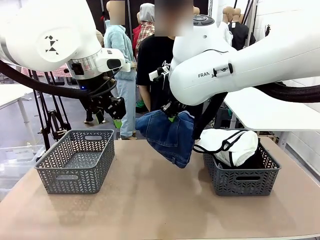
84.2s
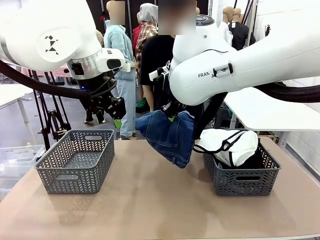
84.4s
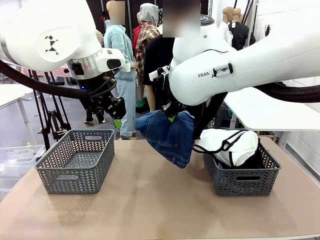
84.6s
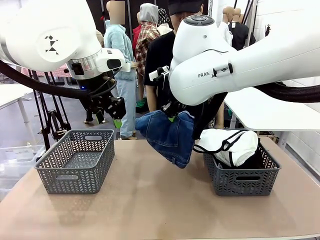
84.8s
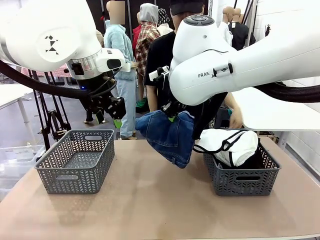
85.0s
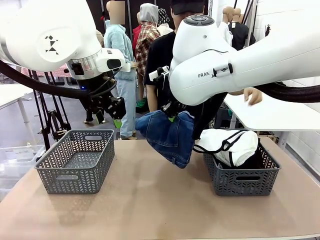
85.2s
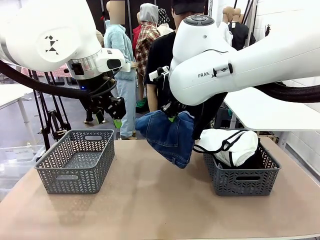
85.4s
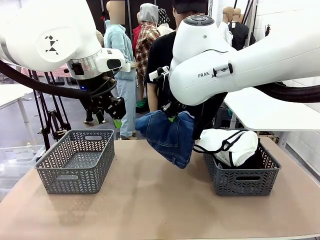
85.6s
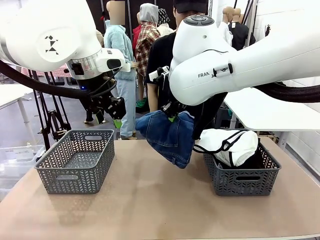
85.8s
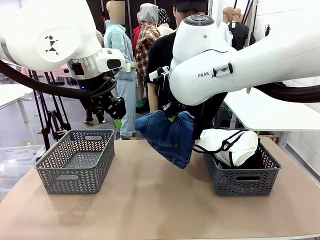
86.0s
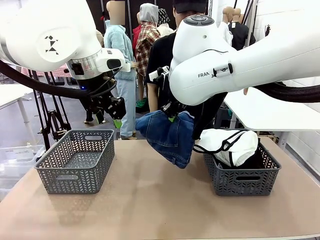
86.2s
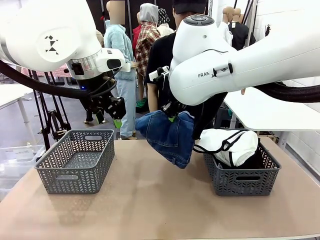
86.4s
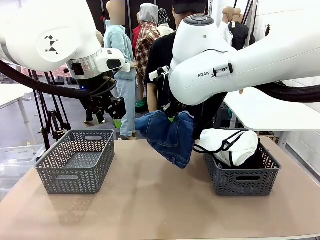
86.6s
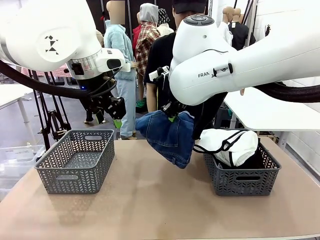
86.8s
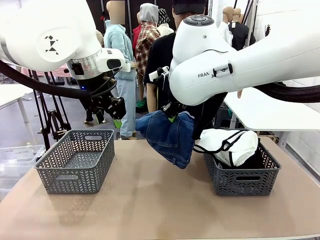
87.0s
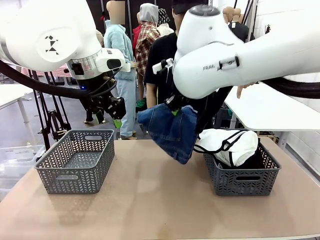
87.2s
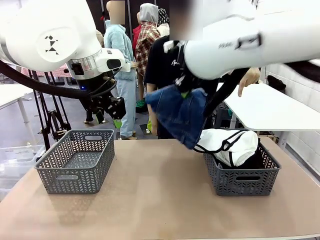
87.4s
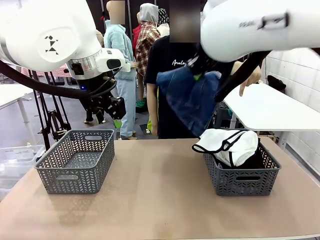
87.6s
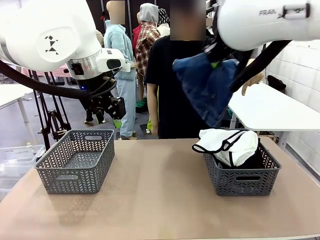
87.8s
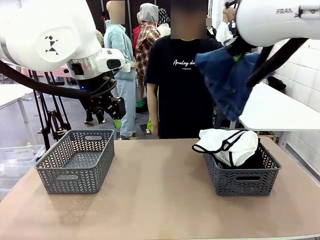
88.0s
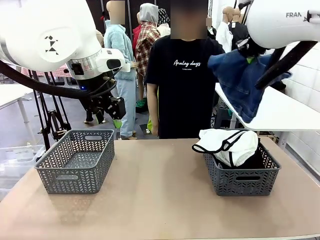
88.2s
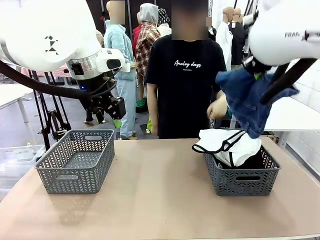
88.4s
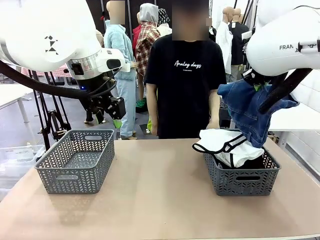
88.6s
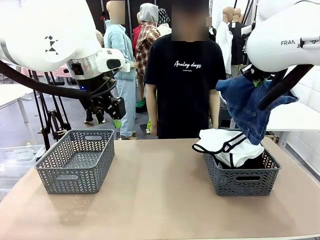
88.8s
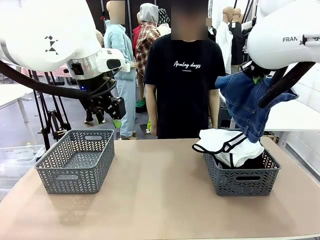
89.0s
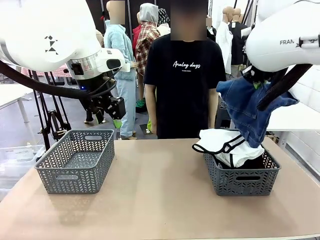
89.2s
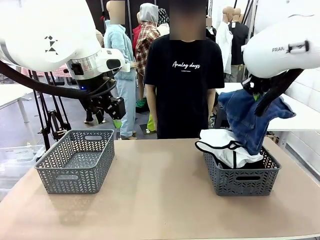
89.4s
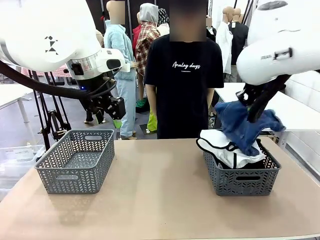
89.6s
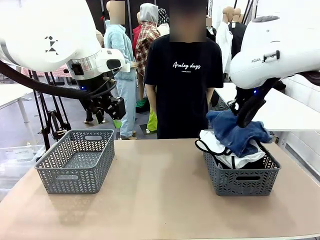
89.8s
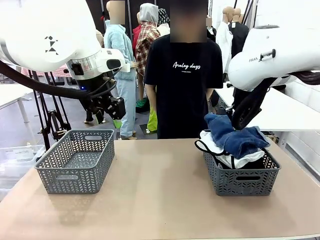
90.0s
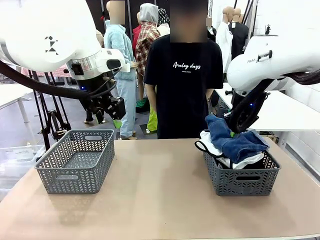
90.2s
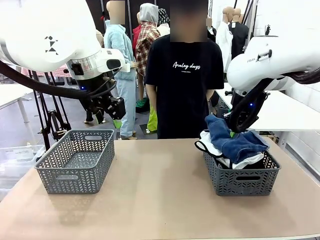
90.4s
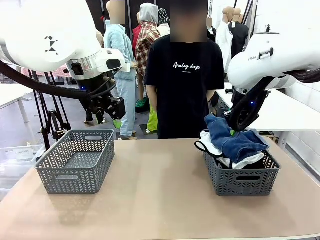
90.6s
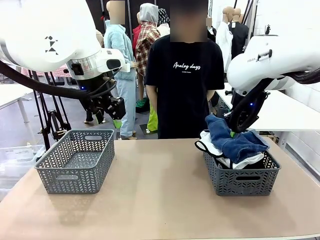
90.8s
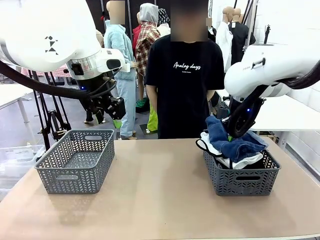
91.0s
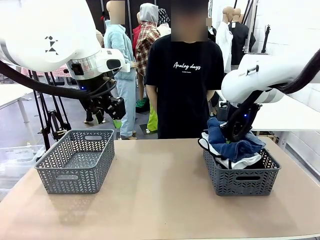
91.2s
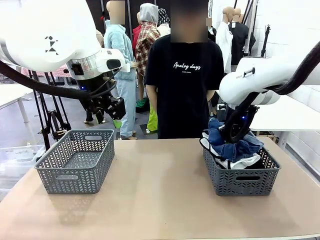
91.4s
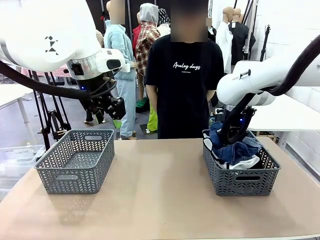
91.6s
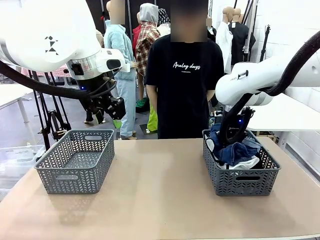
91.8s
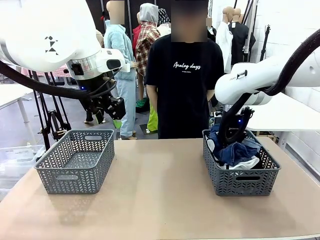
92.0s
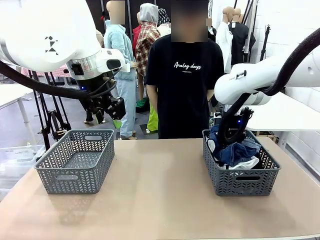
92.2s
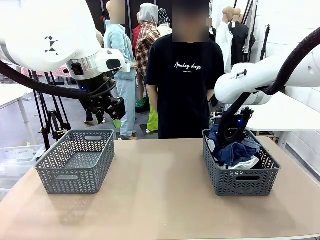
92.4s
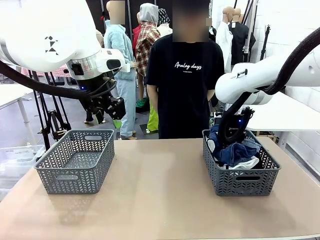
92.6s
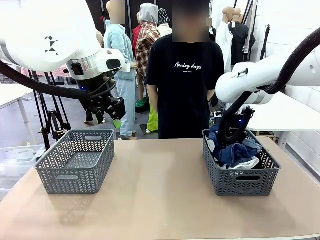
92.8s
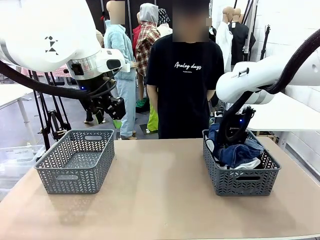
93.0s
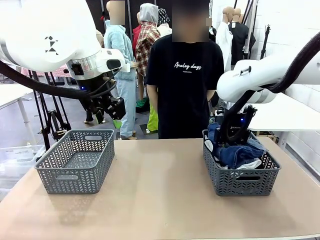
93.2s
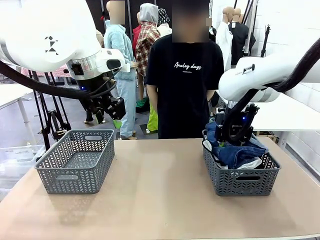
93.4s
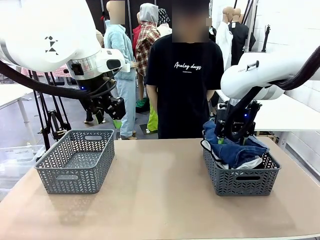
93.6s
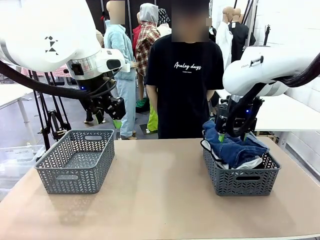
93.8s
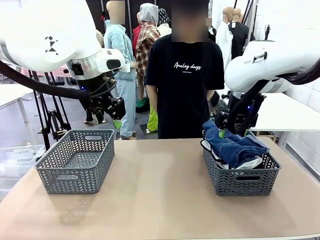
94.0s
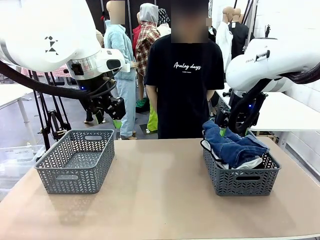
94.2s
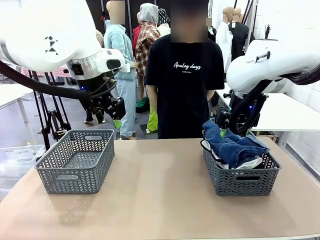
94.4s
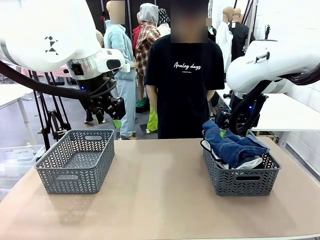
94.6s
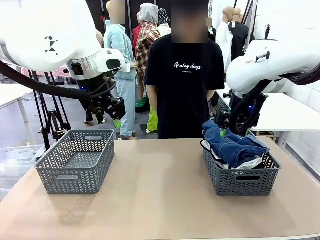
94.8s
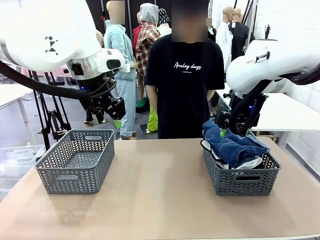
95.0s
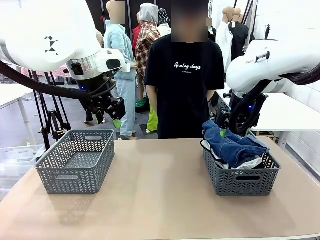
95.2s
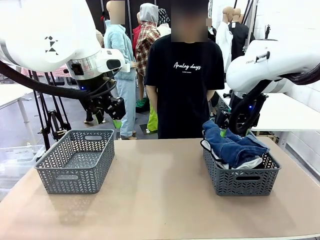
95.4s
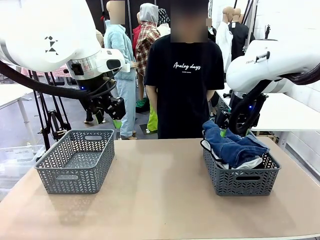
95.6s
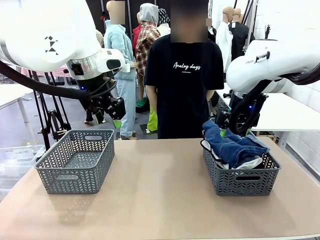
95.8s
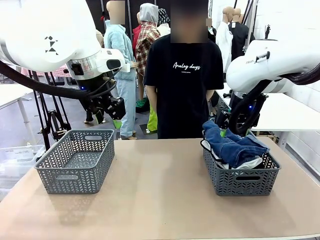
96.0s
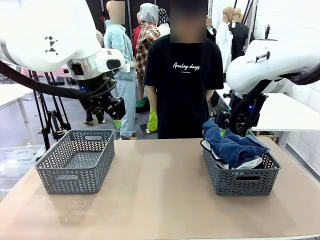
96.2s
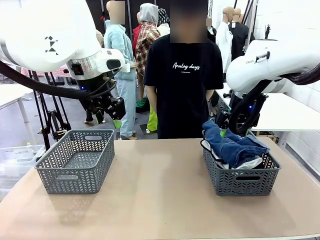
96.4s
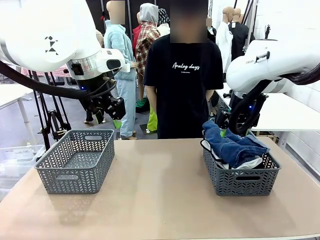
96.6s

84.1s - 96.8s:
Task: Sort the tops and bottoms.
Robot: Sort the clothes according to human instructions.

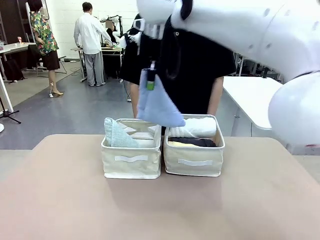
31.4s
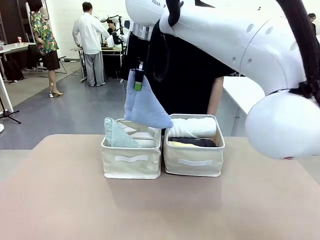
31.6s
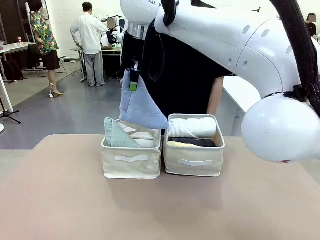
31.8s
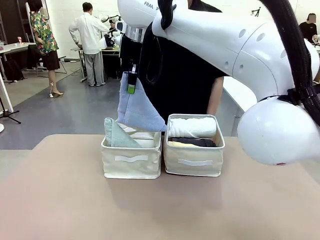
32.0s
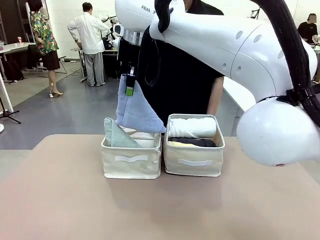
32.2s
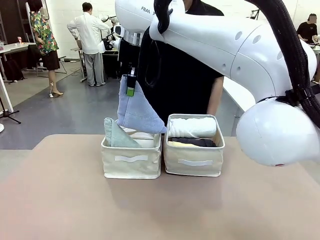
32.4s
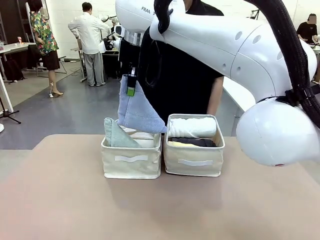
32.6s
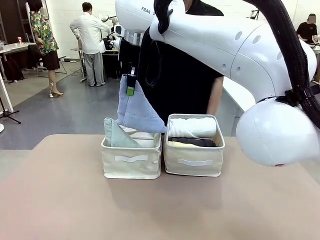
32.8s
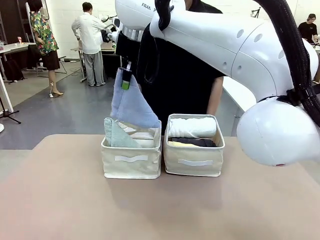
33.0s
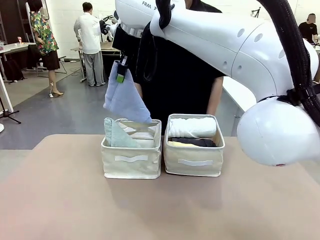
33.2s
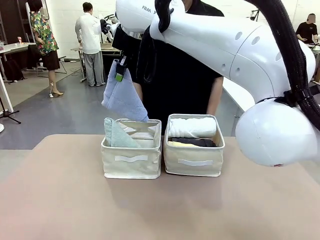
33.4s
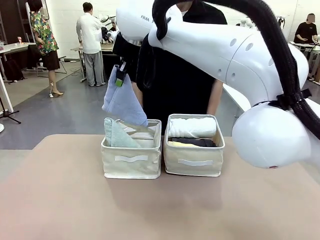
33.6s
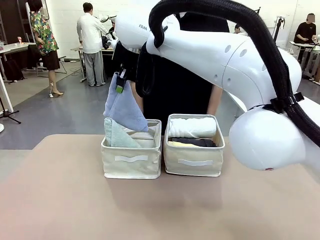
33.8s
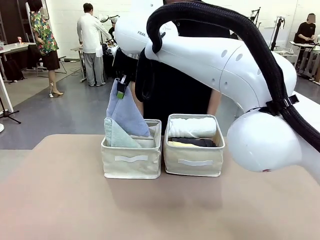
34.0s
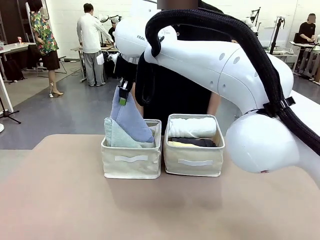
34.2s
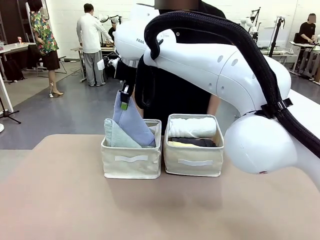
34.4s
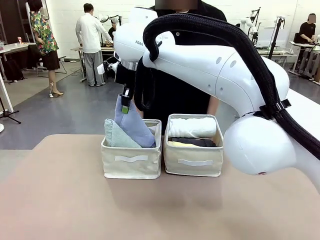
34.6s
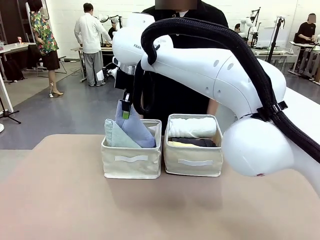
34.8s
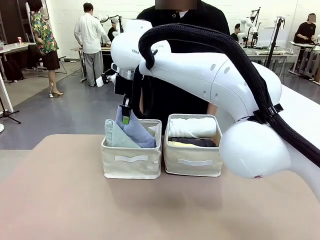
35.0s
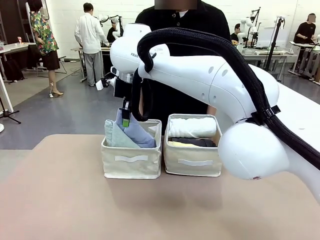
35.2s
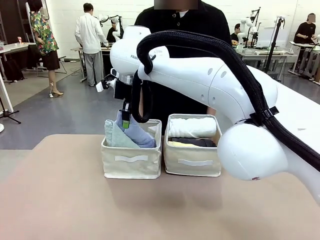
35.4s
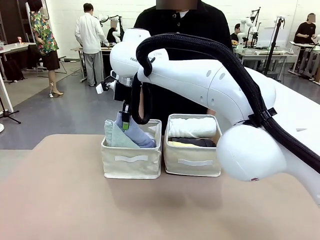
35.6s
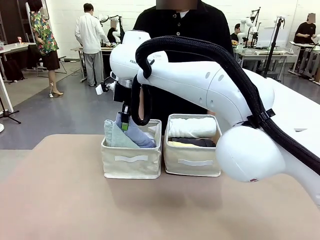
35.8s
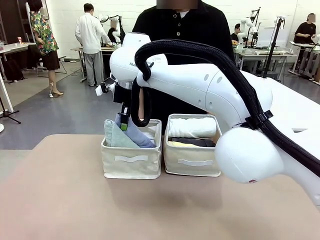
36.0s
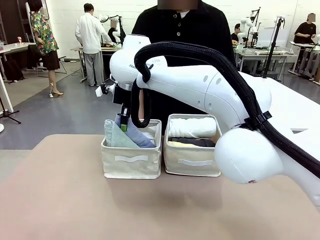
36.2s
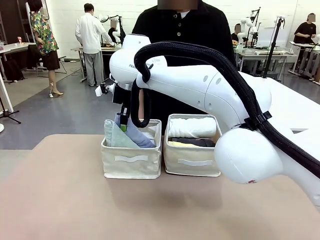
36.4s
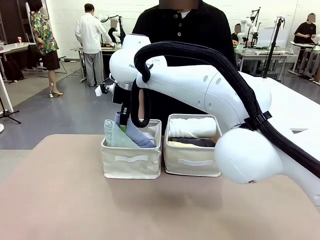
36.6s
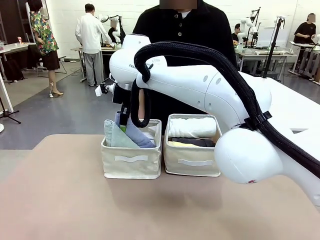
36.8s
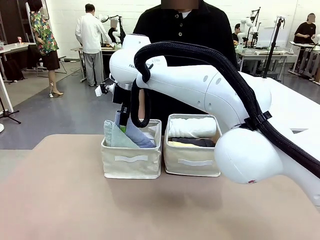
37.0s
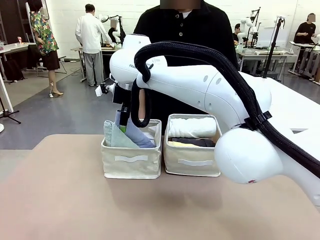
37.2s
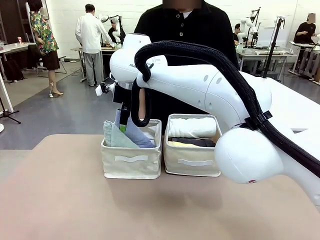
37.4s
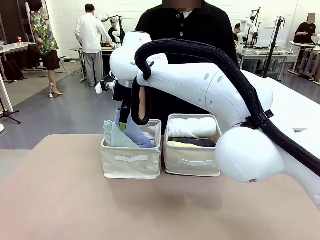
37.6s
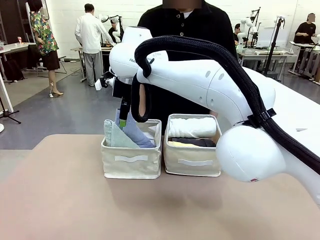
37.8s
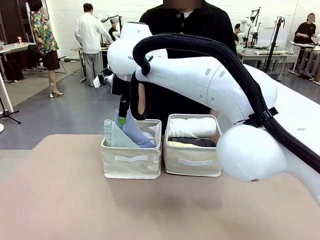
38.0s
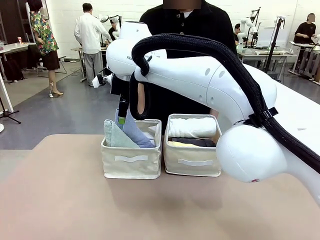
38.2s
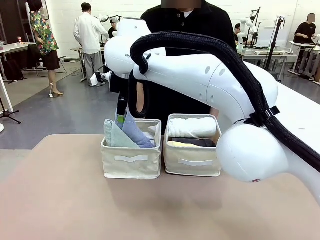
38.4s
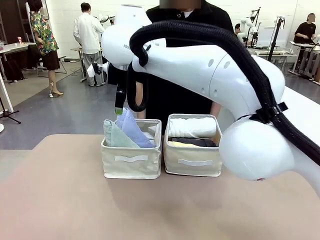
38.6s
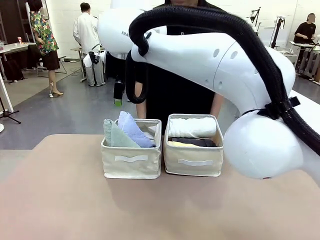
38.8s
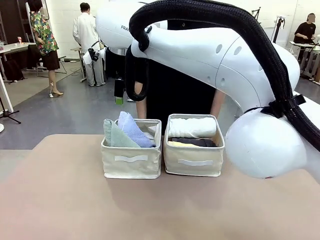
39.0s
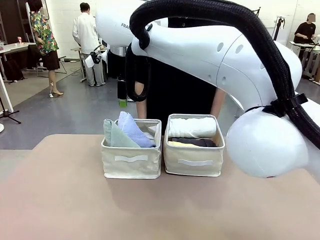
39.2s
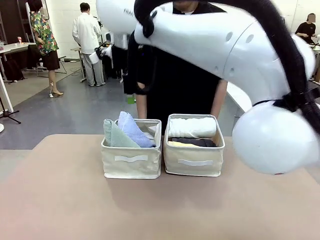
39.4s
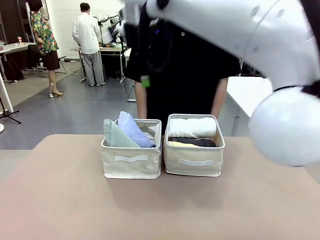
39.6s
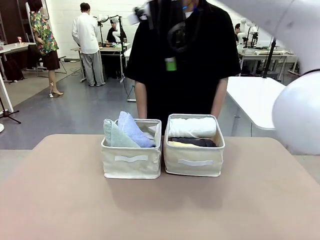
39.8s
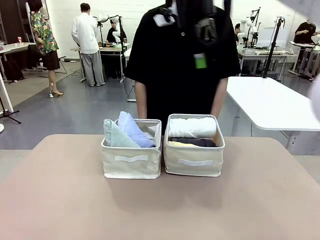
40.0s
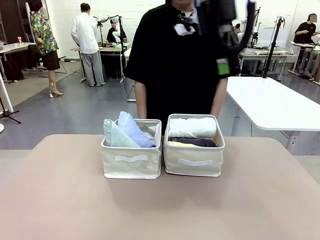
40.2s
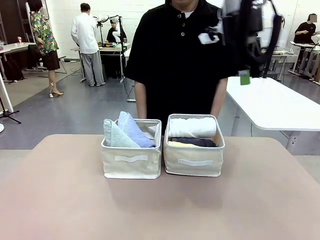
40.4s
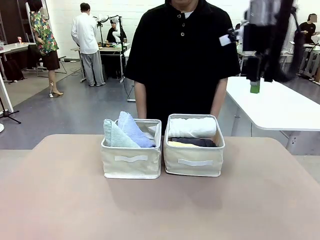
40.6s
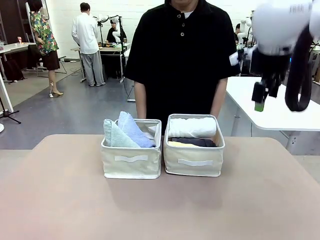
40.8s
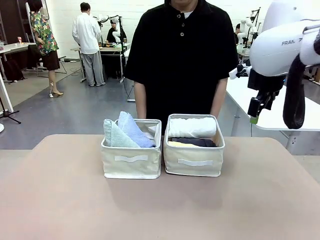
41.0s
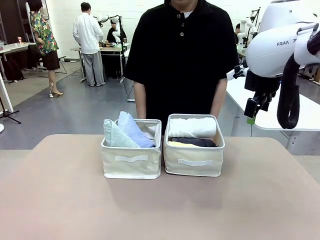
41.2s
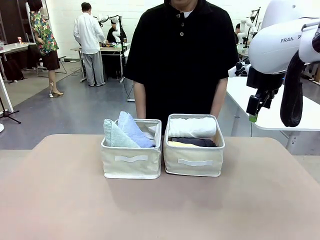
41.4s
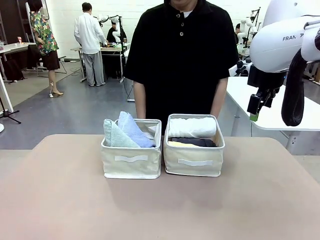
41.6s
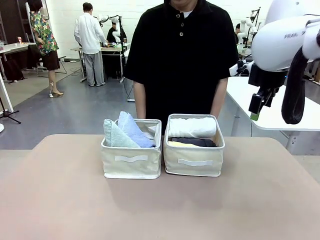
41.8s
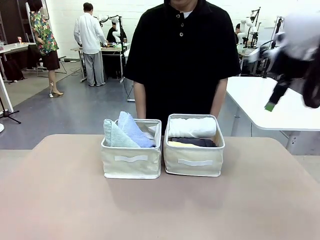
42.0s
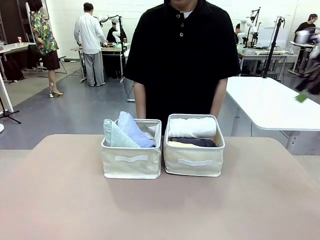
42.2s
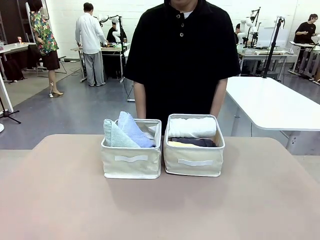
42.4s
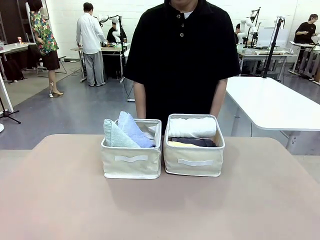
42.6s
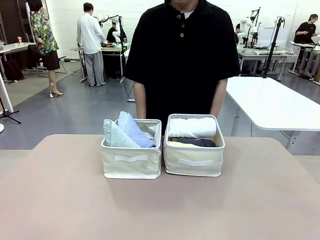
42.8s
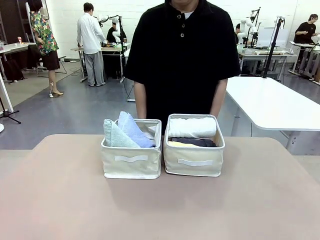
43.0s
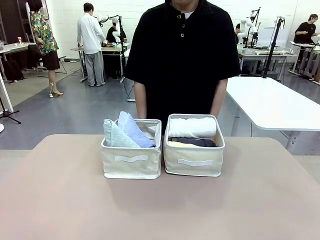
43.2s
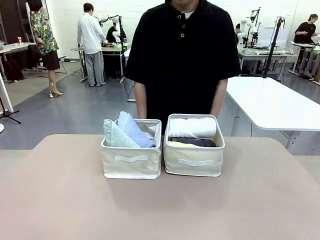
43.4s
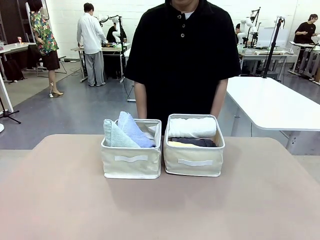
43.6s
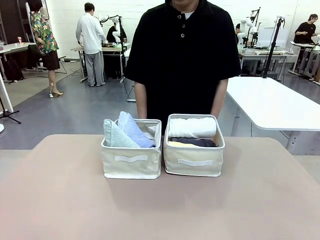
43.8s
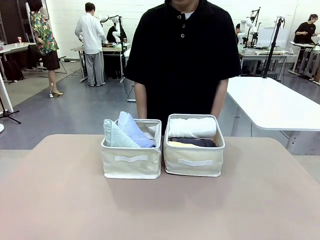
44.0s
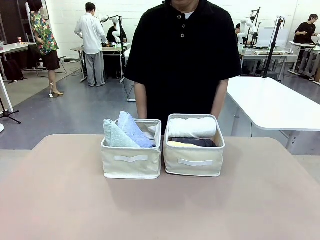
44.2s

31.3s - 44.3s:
Task: Sort the towels based on their folding style.
Robot: Pick up another triangle-folded towel from the table and place it in the left Fabric basket.
